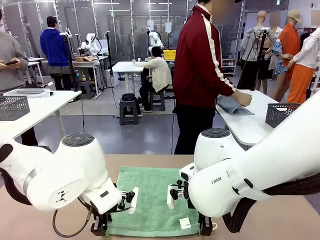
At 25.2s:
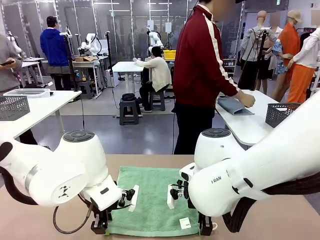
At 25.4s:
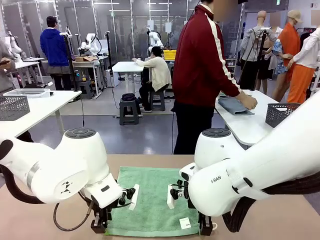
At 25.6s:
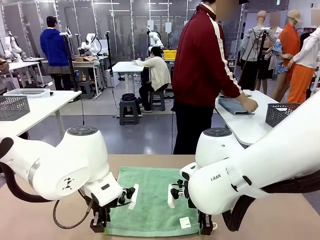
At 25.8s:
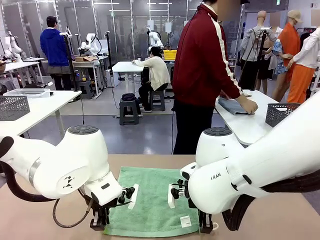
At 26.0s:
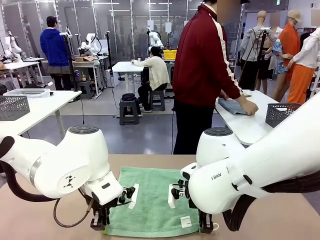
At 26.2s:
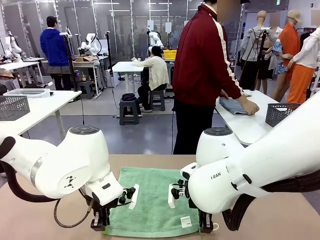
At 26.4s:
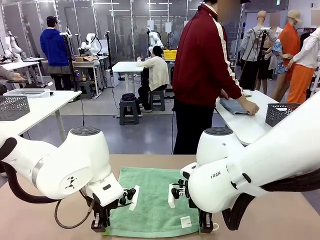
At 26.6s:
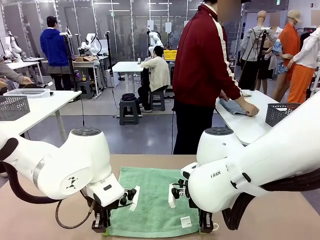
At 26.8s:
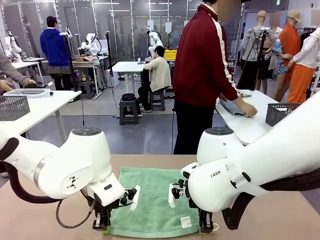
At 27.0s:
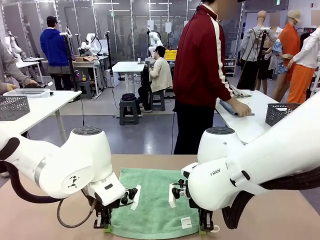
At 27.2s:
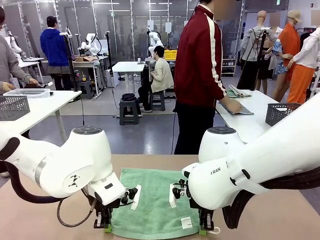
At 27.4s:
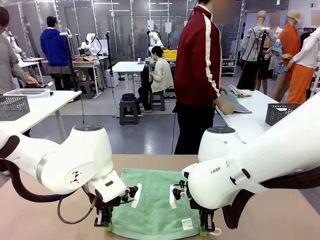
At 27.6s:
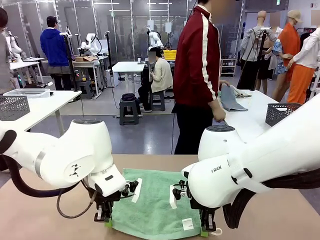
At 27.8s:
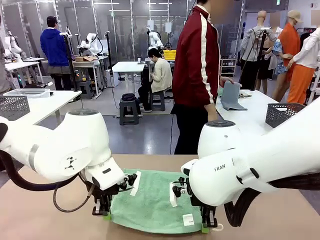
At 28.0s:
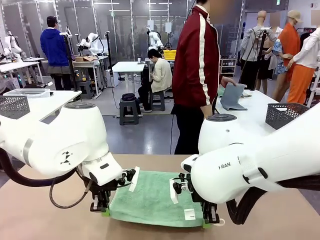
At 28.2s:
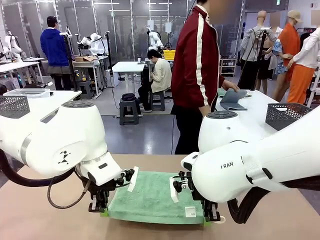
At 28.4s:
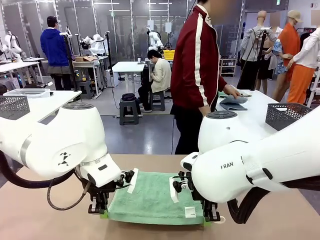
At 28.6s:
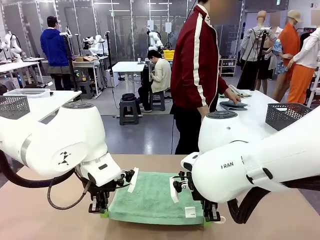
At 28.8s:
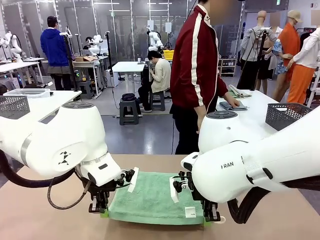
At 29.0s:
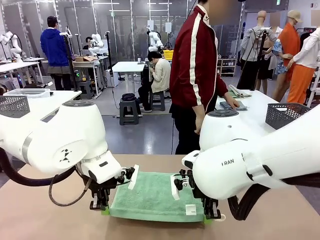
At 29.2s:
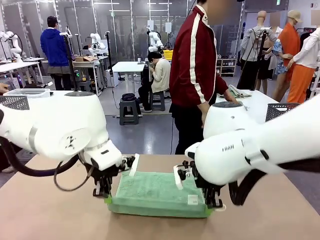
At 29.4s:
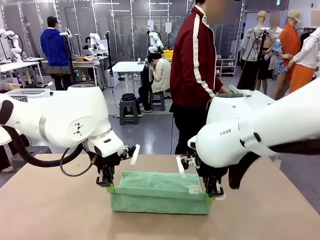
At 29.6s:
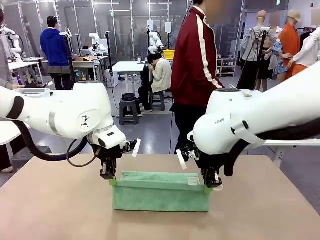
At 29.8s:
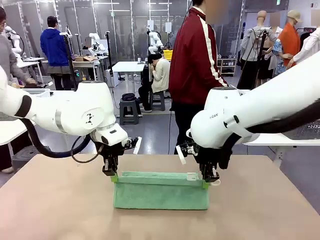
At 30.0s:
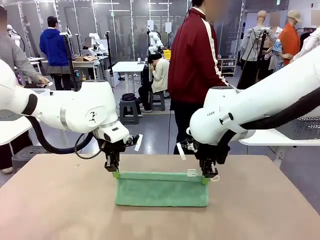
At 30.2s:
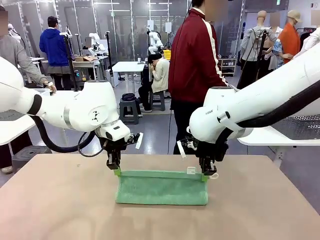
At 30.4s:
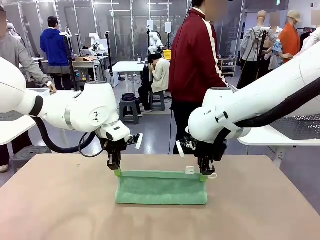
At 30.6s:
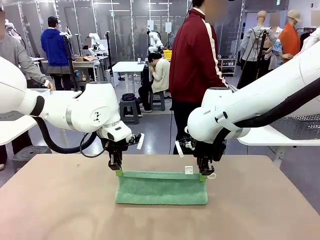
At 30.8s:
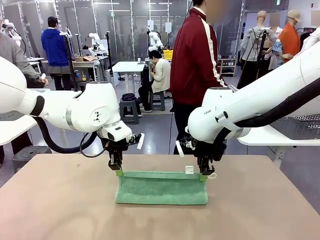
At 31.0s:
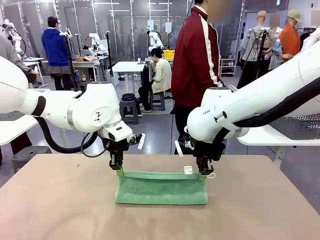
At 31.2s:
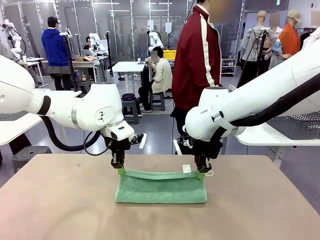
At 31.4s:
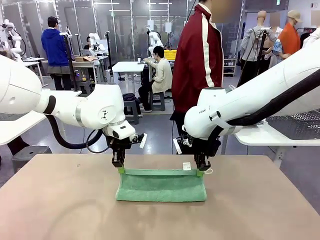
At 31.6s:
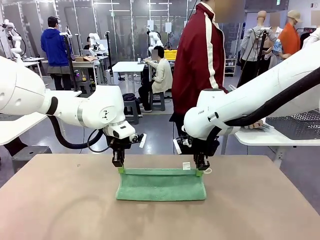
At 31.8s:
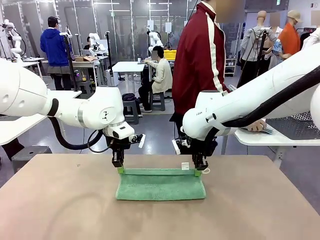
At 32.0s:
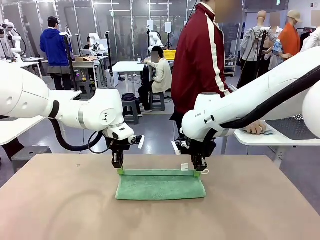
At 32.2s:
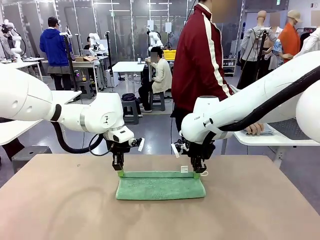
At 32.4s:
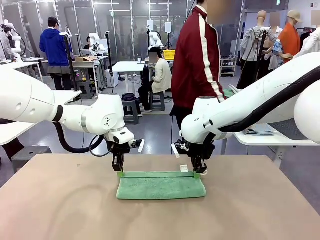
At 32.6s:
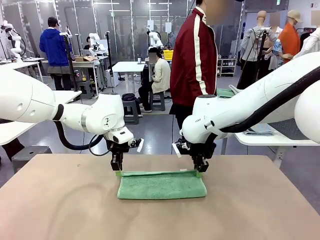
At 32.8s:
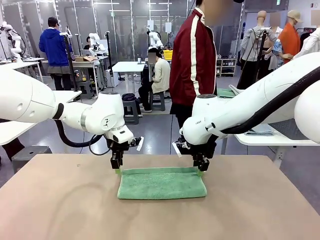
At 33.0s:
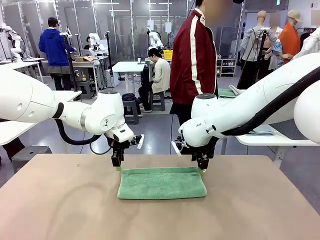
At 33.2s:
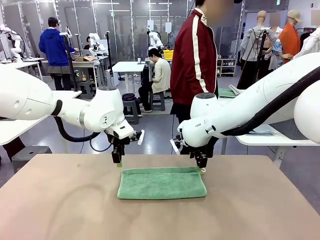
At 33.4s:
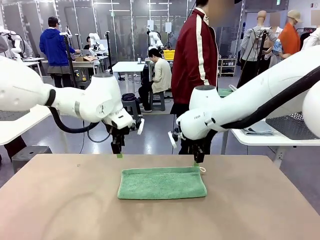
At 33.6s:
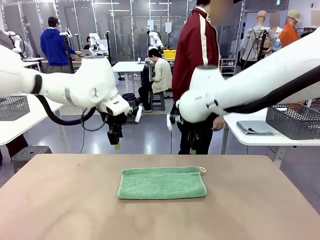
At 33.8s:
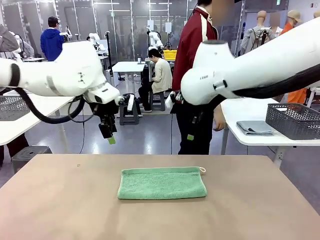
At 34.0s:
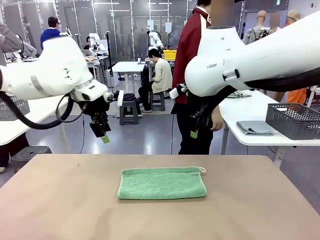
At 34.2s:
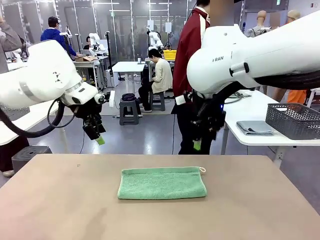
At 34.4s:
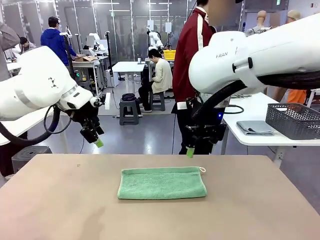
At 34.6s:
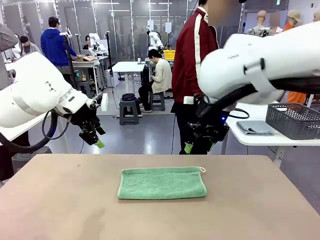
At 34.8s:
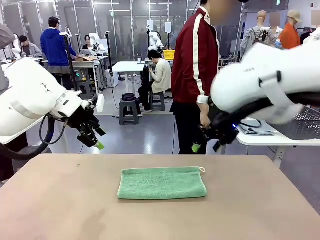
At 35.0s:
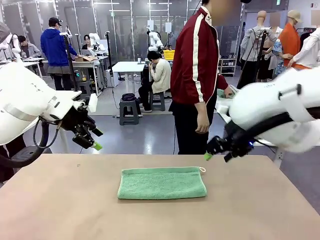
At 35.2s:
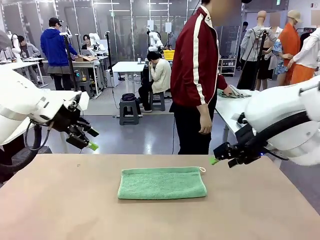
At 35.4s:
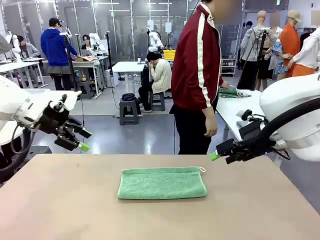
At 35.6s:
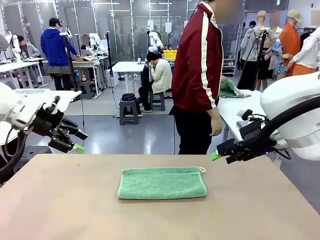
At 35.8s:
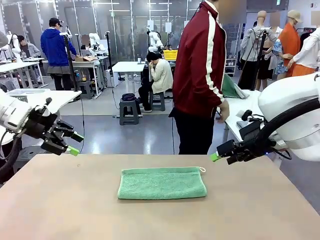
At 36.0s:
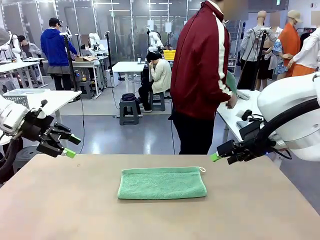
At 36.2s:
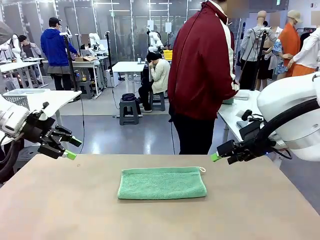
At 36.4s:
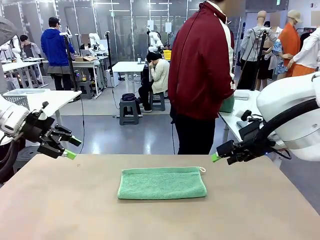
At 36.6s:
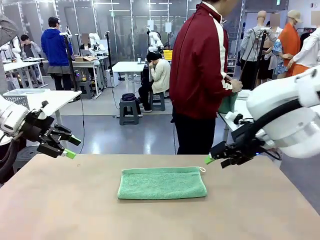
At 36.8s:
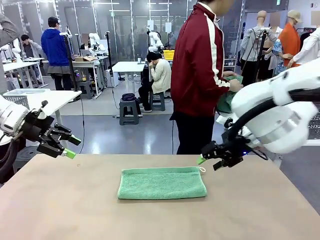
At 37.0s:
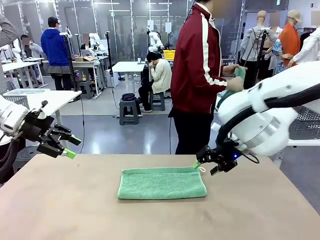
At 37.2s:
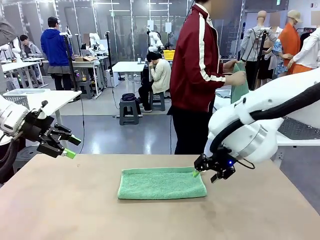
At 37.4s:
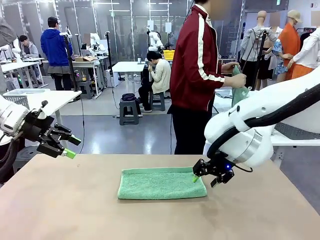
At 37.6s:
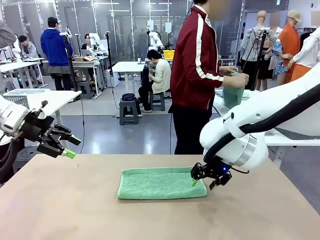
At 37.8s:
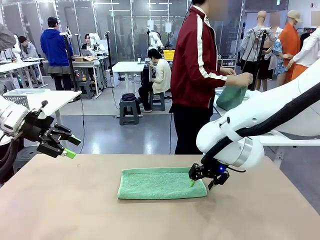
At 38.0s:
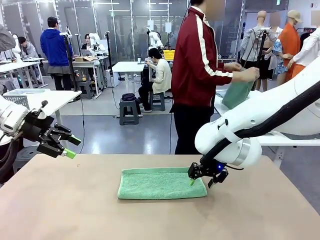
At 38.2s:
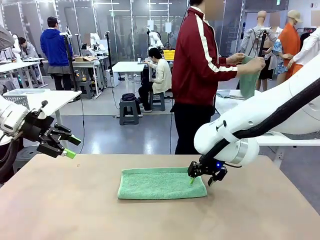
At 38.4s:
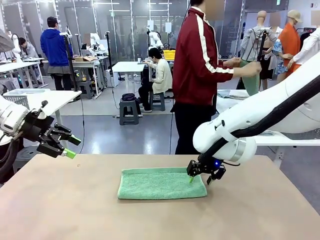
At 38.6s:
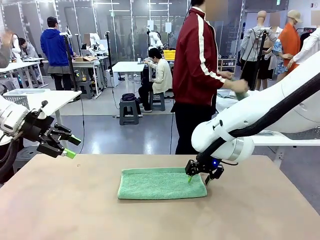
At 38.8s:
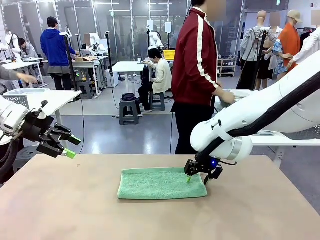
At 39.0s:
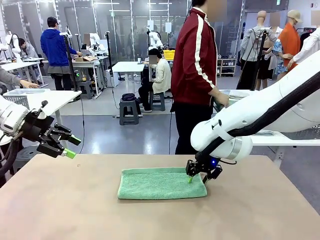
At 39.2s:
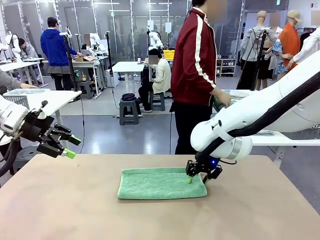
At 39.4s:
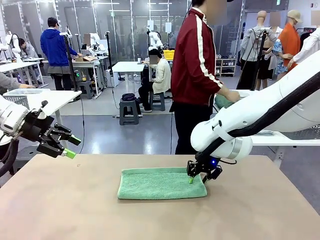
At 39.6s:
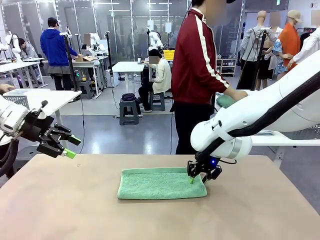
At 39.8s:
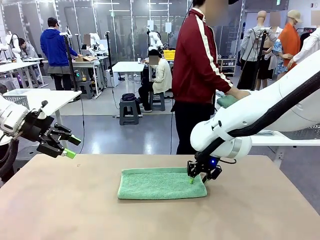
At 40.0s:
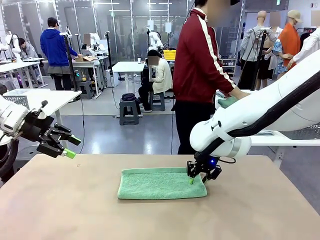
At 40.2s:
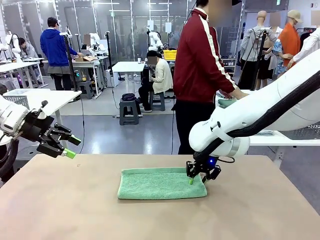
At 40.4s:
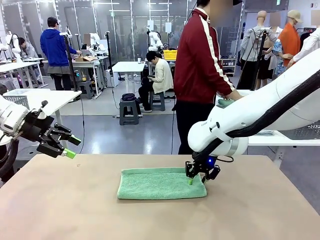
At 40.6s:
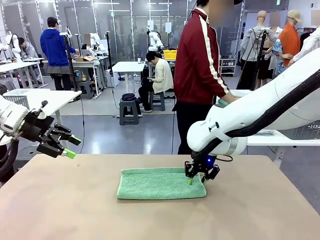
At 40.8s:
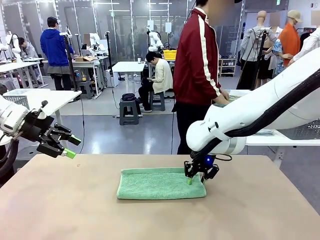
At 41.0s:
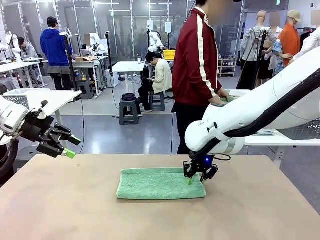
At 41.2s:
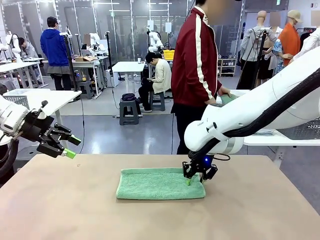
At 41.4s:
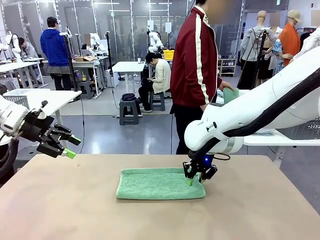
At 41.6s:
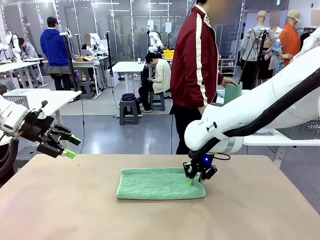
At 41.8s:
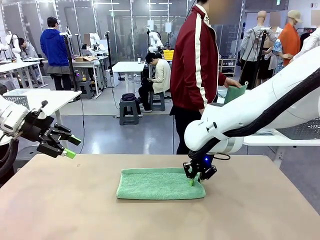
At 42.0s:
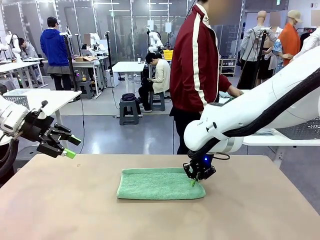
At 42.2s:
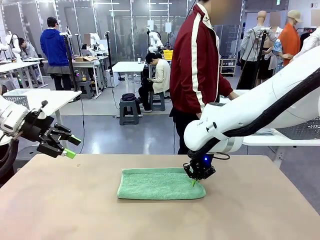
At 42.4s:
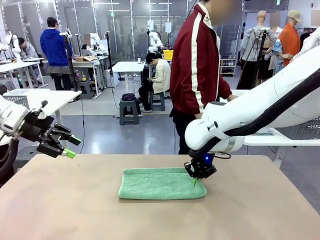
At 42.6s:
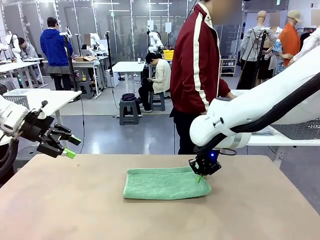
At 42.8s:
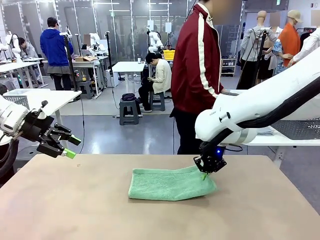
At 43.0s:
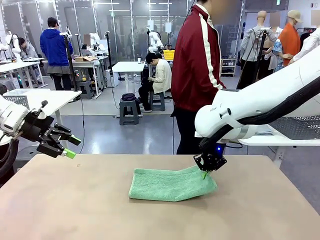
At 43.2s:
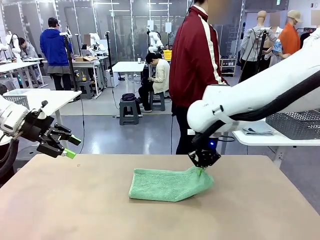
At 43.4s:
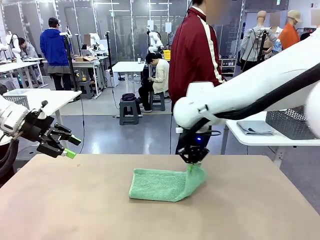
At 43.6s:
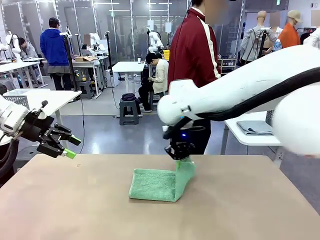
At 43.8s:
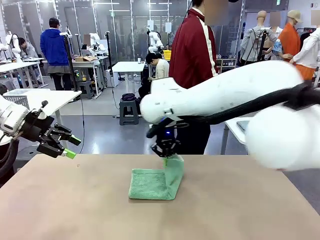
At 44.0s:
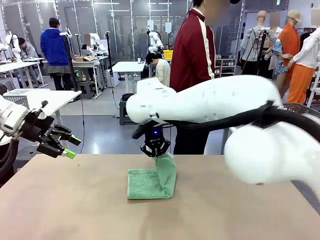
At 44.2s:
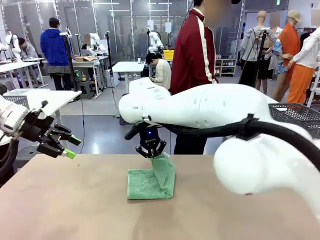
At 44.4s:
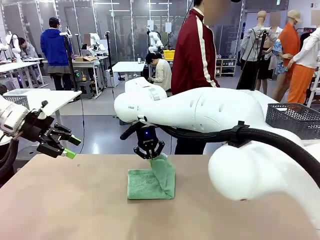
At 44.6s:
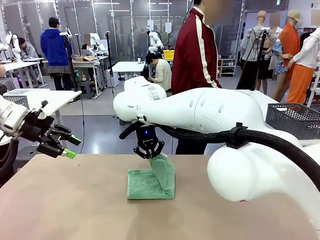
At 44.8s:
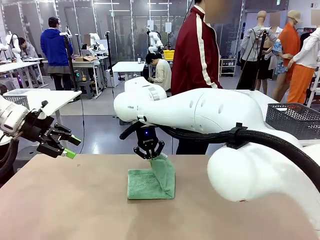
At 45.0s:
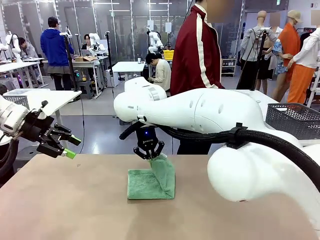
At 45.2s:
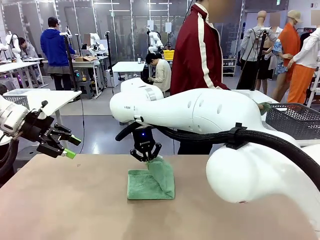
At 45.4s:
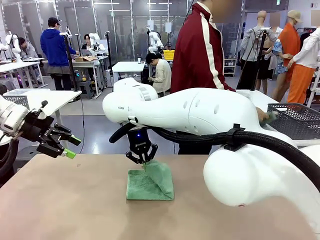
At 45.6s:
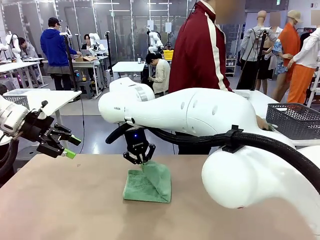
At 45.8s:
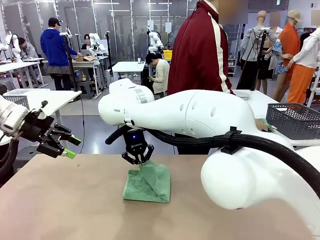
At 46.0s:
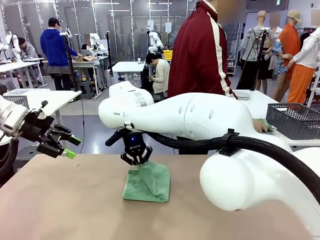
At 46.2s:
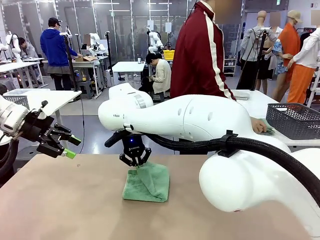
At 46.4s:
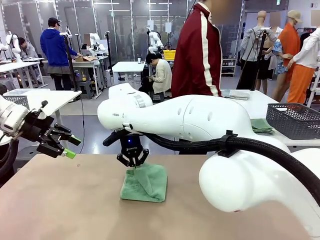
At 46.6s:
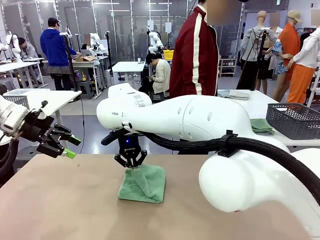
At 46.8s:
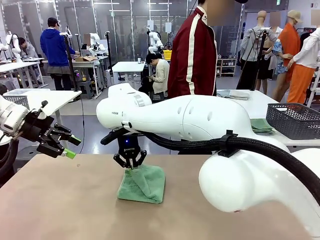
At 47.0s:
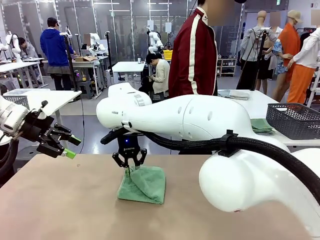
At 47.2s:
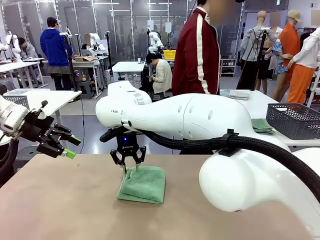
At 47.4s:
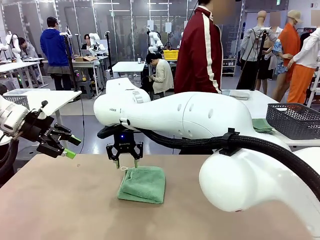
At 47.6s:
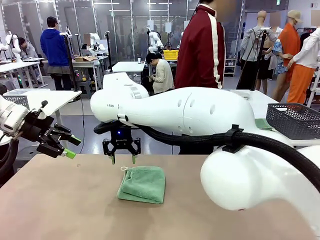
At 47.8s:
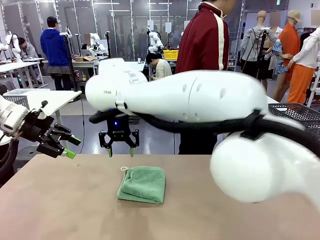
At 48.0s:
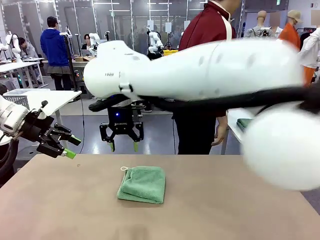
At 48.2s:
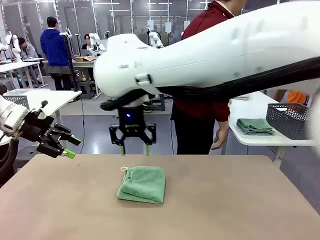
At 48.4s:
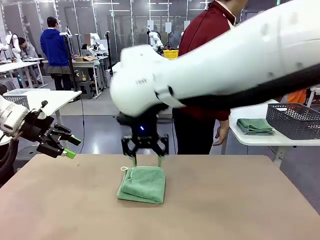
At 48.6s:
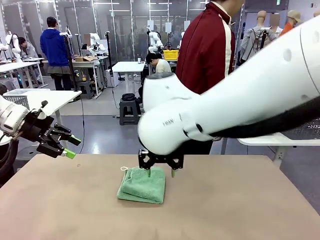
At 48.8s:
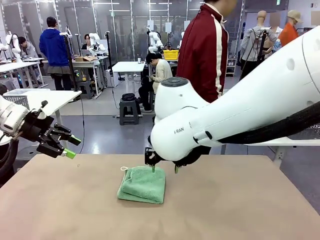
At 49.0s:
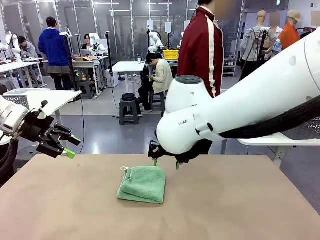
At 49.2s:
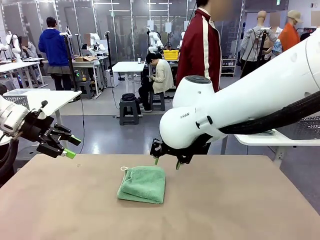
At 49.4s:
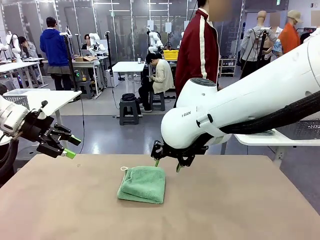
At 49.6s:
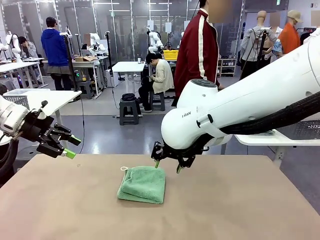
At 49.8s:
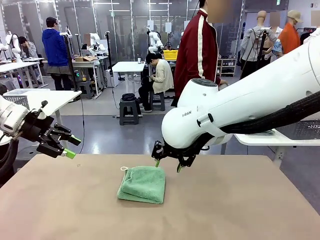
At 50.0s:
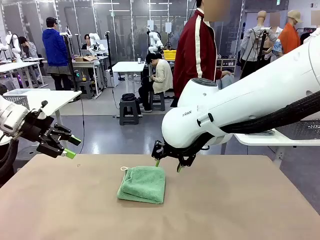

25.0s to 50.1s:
Task: Fold the towels and place them in the basket.
Robot: When a person lays out a Towel with hook on the table, fold it in half twice.
Person: Pick up one towel from the left side of the human table, fold it in half twice, and stack it on the right side of the table.
